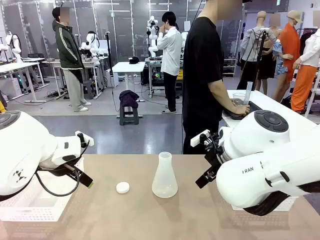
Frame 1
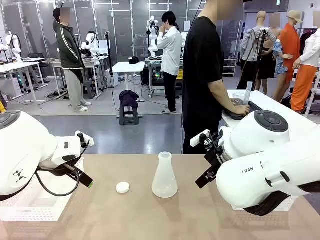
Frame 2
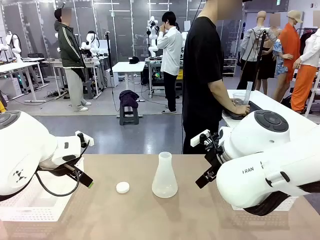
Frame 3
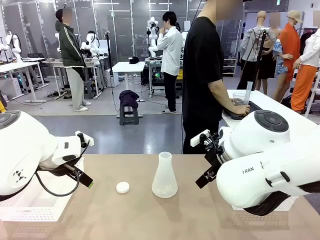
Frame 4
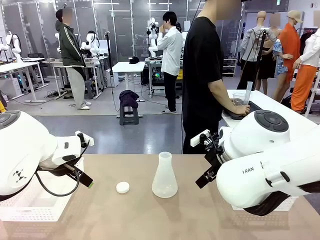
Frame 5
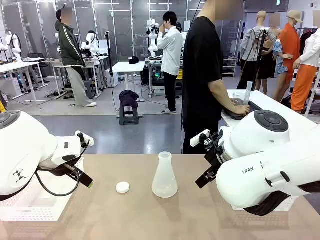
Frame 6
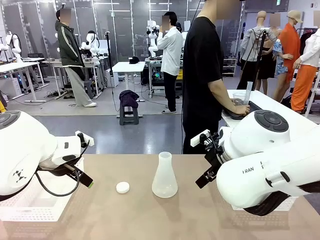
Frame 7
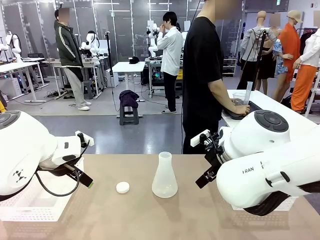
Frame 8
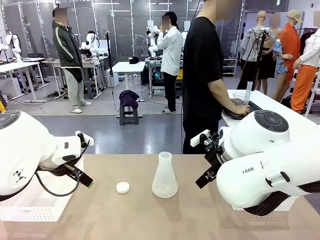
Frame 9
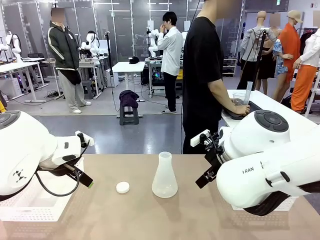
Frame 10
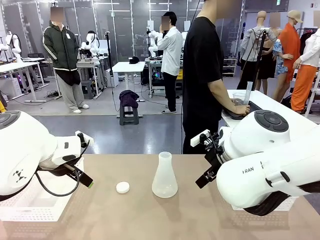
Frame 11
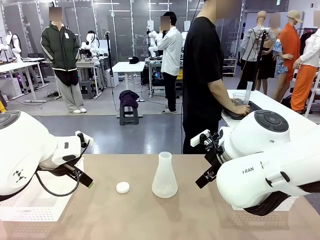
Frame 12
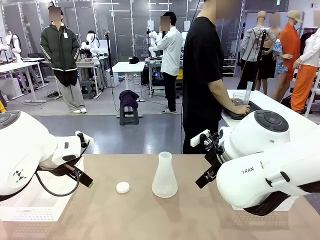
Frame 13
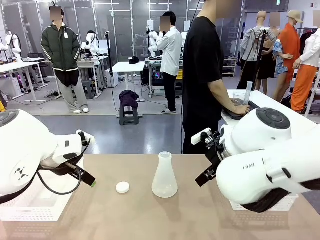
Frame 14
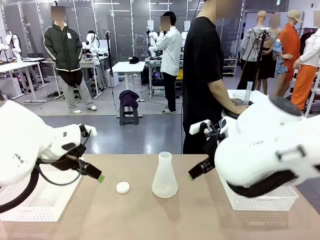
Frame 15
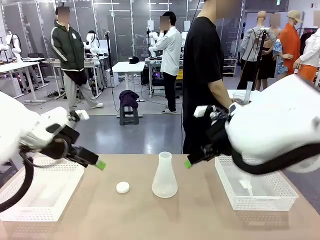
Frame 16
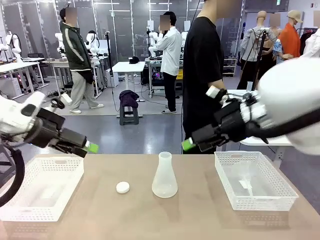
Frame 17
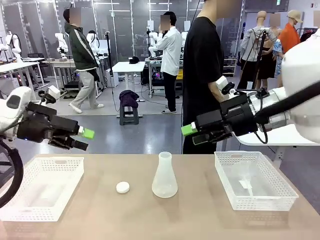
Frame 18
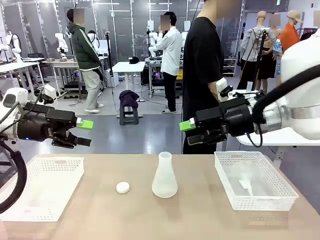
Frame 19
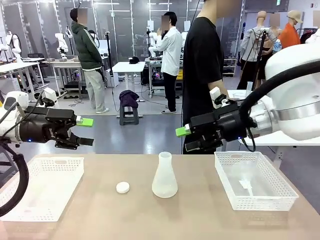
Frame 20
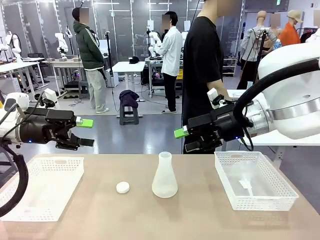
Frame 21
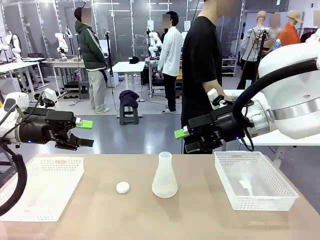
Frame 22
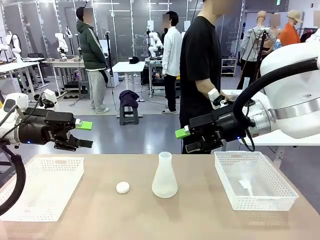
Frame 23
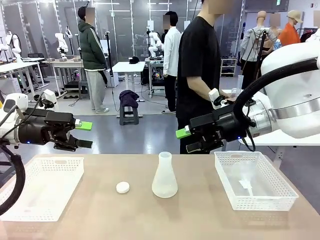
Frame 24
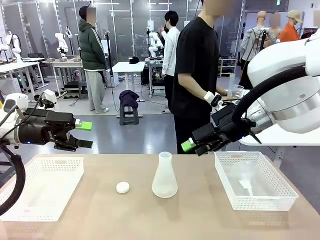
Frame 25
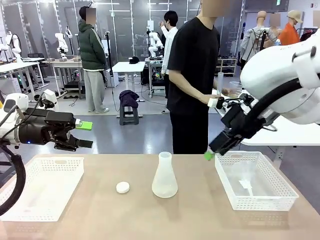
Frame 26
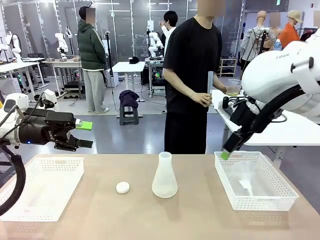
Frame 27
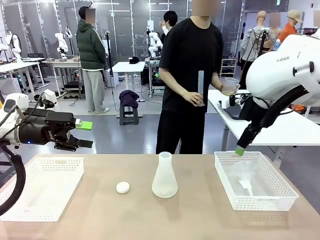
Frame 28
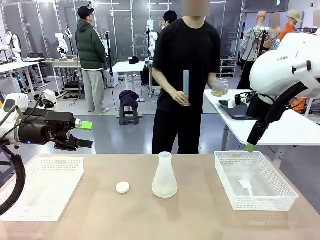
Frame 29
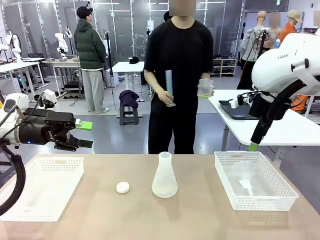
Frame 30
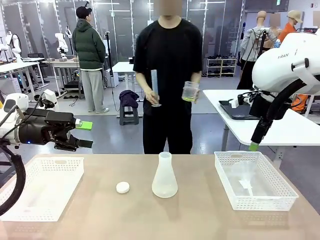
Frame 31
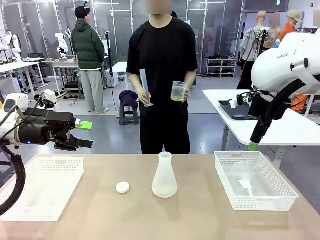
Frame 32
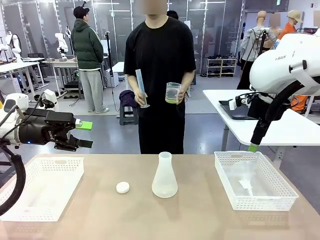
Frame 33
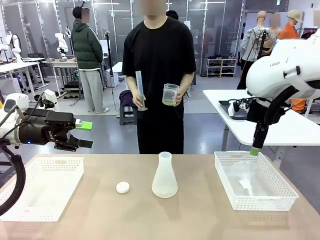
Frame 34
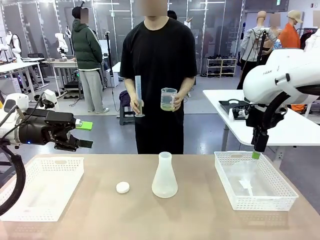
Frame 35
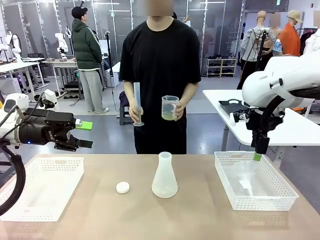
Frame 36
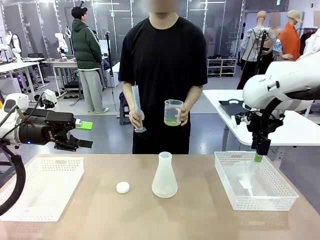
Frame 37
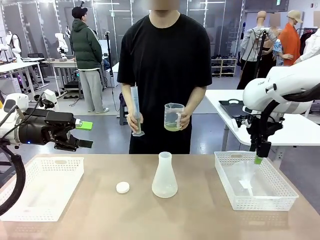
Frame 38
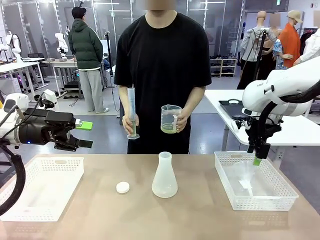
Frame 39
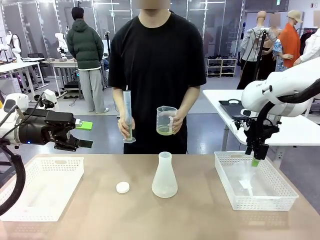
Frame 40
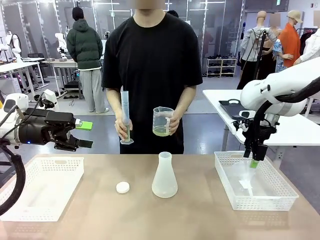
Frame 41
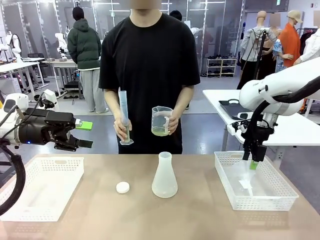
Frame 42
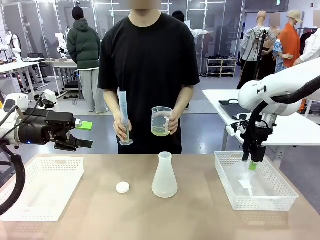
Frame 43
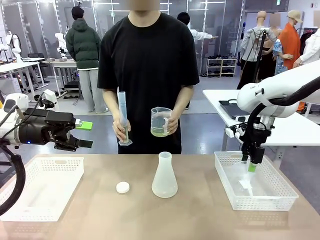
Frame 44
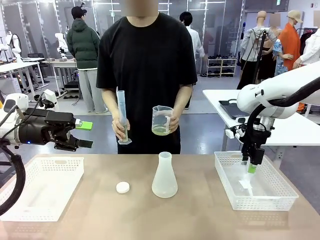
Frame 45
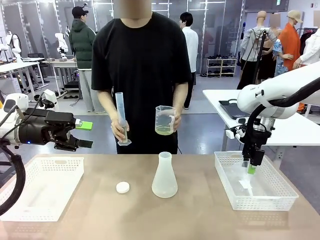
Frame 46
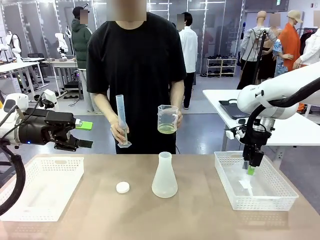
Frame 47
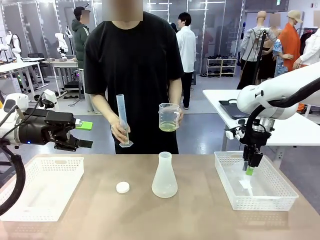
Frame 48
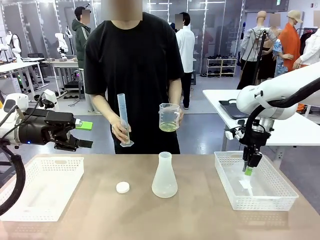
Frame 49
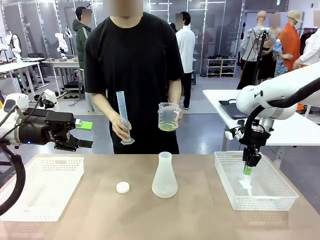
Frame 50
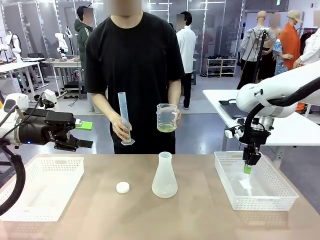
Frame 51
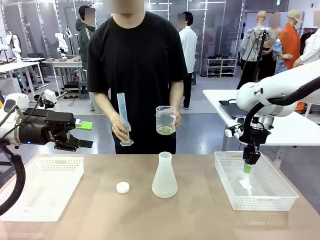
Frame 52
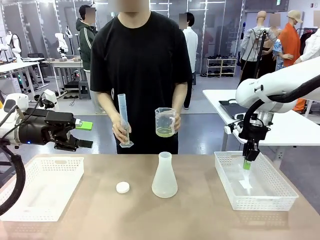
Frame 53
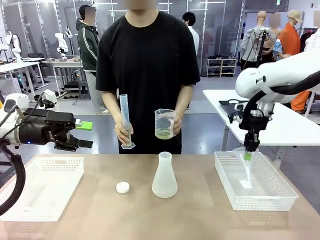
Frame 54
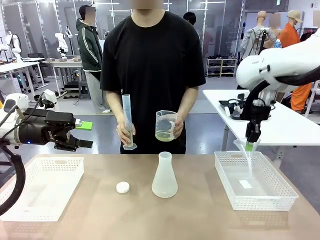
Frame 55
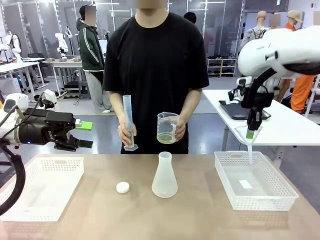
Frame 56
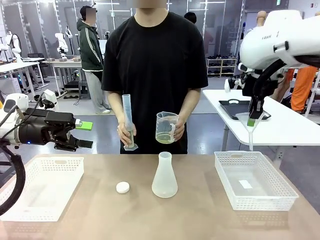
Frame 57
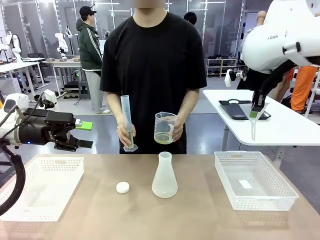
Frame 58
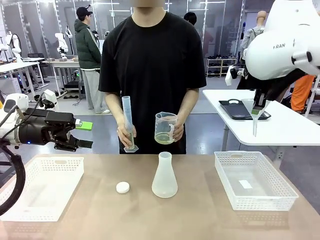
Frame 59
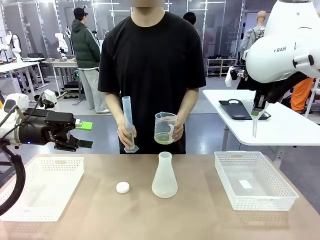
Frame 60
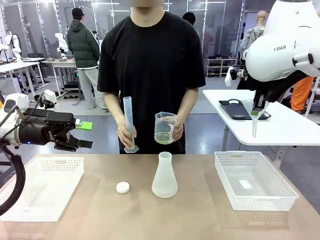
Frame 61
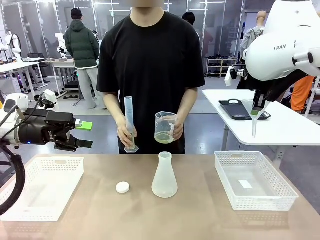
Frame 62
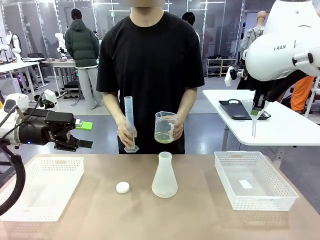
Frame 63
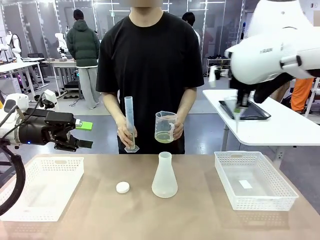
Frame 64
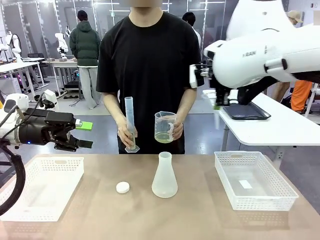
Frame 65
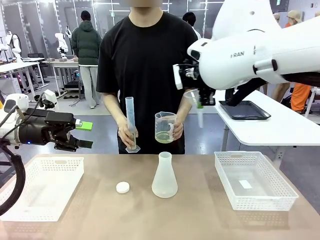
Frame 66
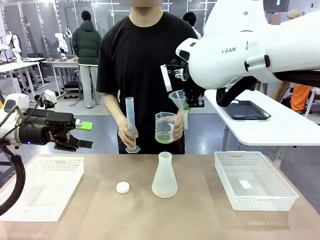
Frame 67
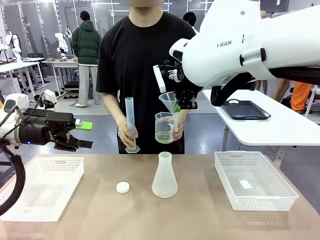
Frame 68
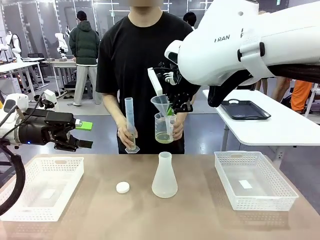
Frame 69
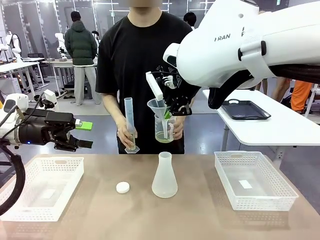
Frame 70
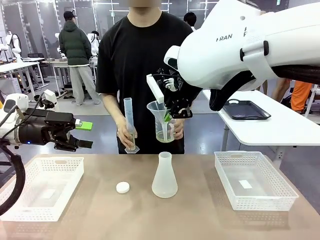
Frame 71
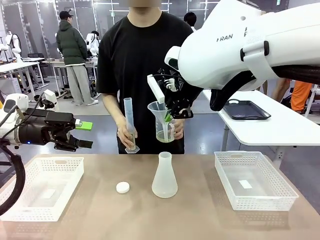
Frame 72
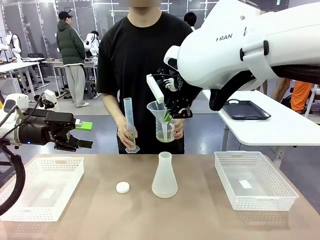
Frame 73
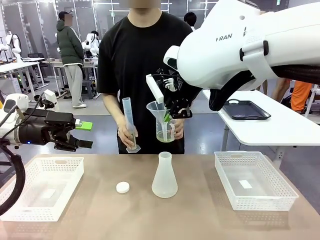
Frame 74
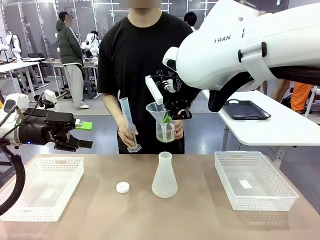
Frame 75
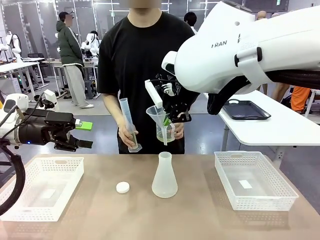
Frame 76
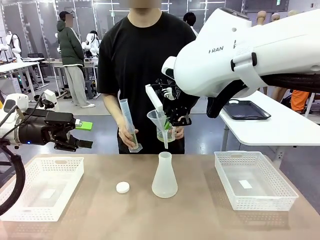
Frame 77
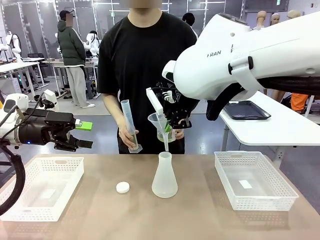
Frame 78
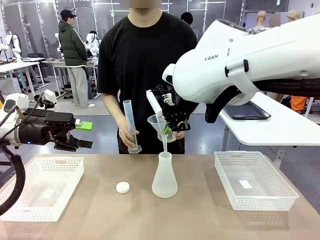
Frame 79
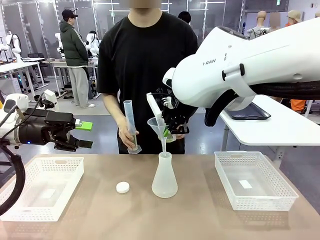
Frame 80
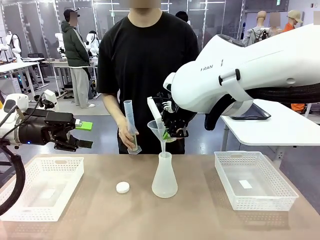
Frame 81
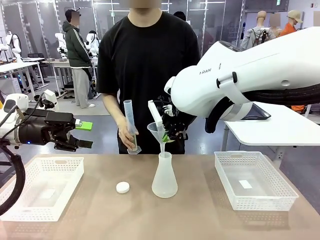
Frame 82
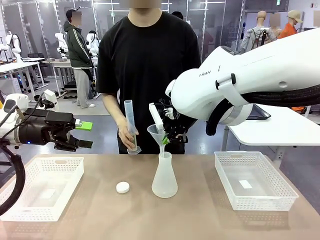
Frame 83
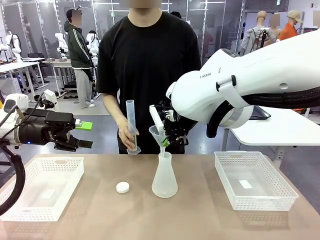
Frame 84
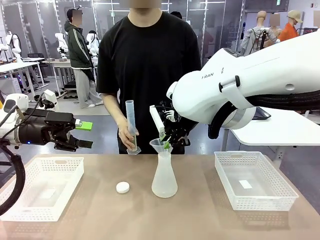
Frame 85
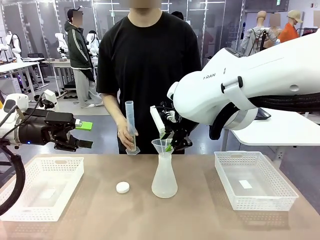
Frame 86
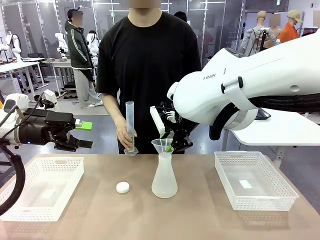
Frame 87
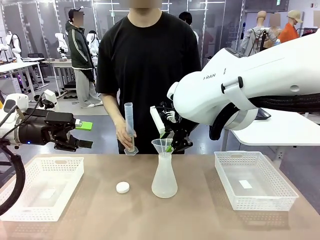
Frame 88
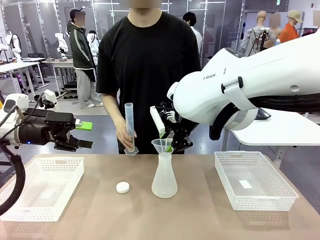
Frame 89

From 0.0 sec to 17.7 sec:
Task: Prepare the solutions needed for the experiment.
Robot: Pick up the Plastic Funnel and insert it into the Big flask.
Person: Pick up the beaker and the cylinder and move to the middle of the robot table.
